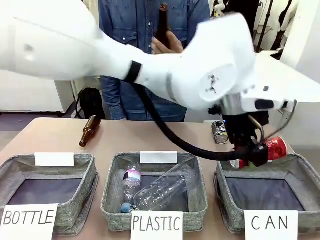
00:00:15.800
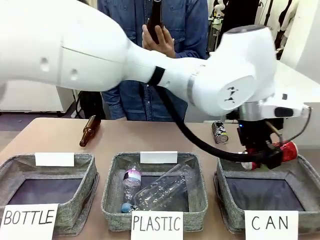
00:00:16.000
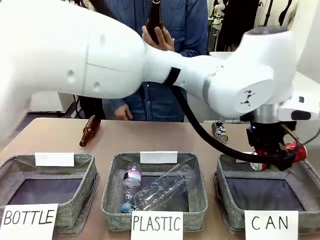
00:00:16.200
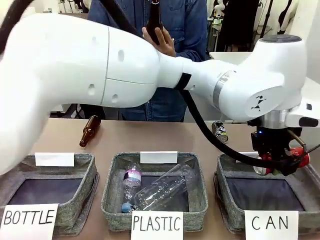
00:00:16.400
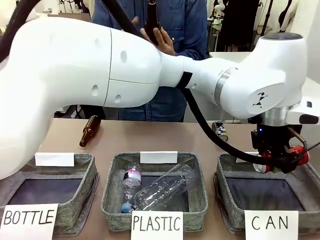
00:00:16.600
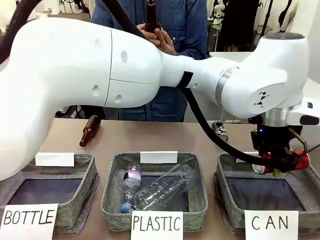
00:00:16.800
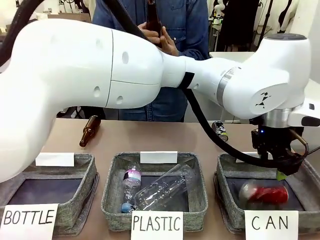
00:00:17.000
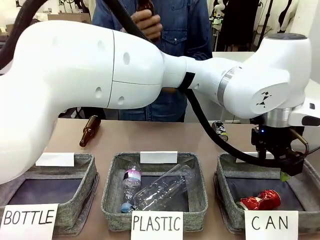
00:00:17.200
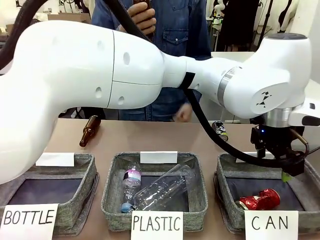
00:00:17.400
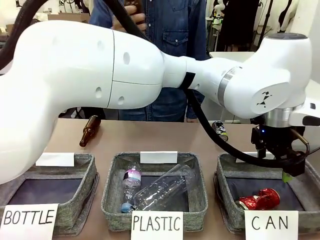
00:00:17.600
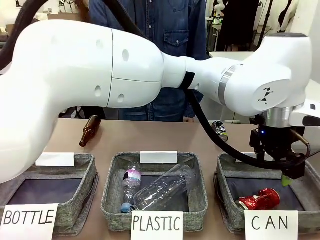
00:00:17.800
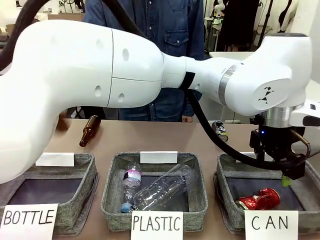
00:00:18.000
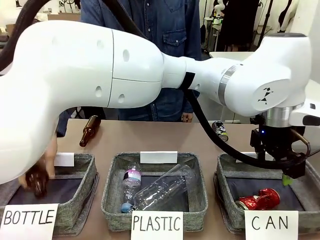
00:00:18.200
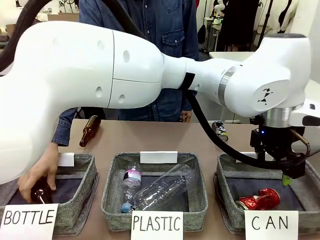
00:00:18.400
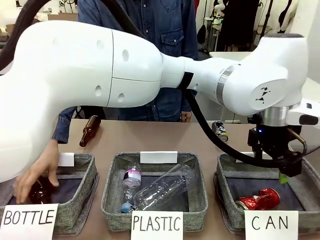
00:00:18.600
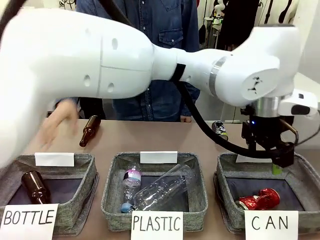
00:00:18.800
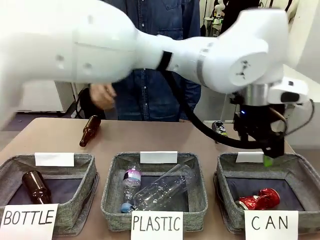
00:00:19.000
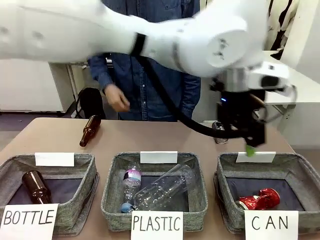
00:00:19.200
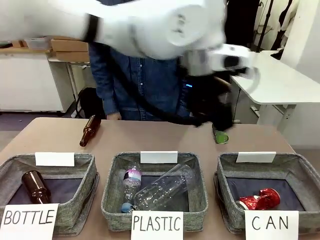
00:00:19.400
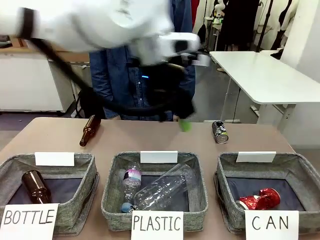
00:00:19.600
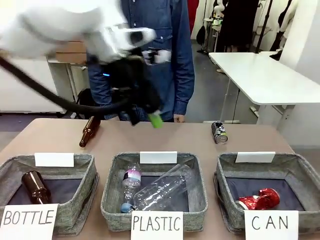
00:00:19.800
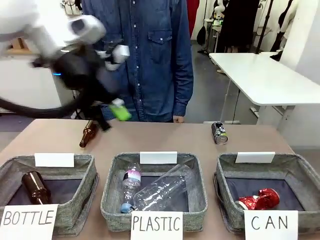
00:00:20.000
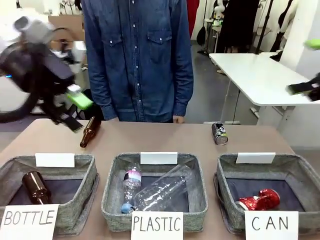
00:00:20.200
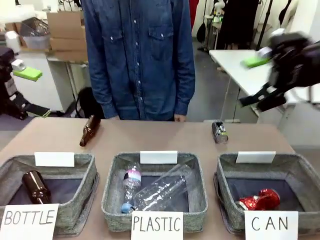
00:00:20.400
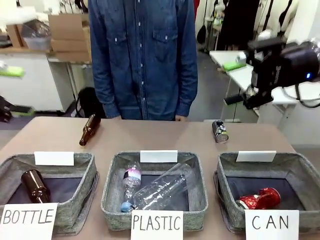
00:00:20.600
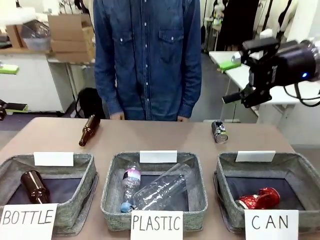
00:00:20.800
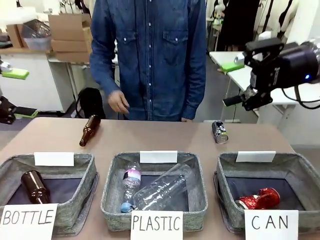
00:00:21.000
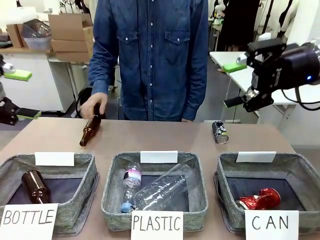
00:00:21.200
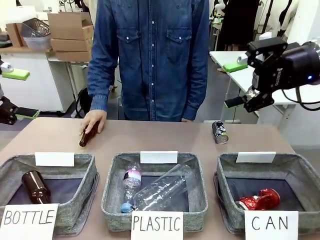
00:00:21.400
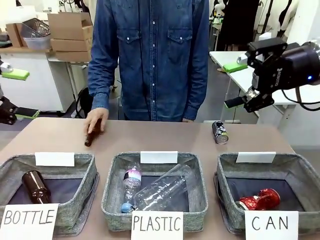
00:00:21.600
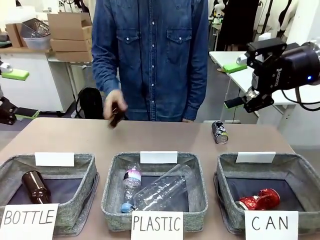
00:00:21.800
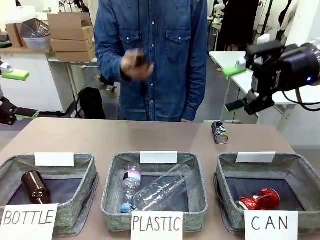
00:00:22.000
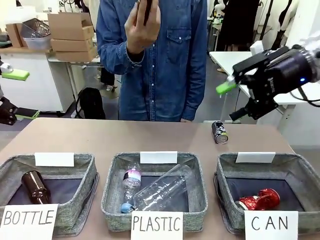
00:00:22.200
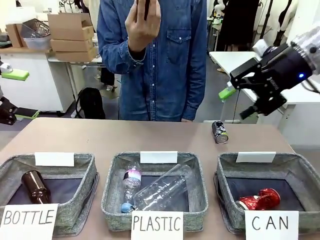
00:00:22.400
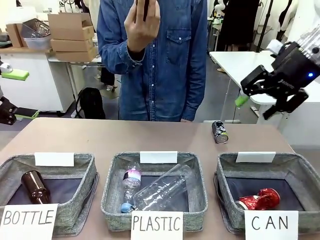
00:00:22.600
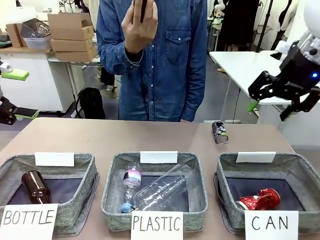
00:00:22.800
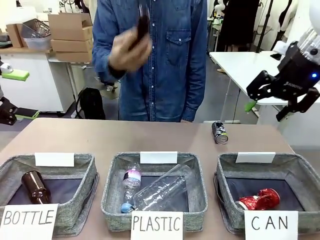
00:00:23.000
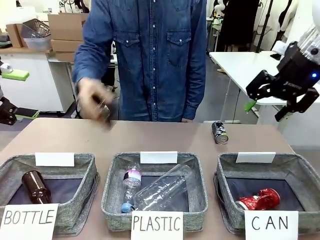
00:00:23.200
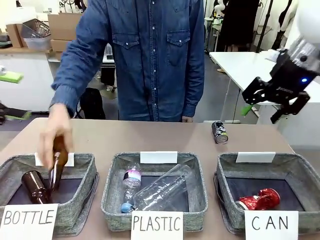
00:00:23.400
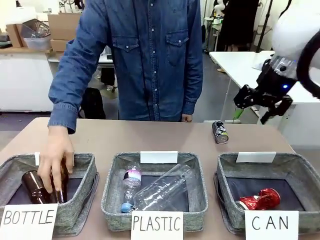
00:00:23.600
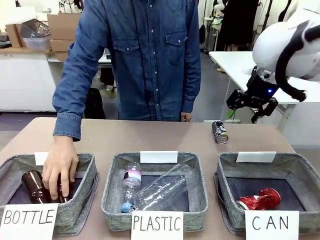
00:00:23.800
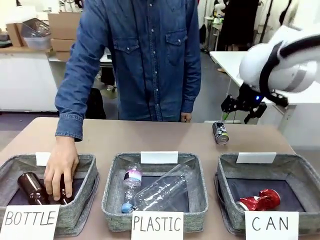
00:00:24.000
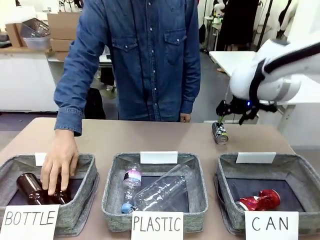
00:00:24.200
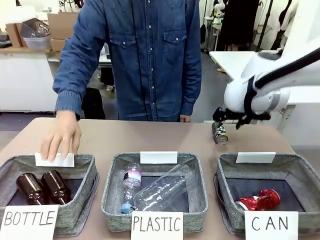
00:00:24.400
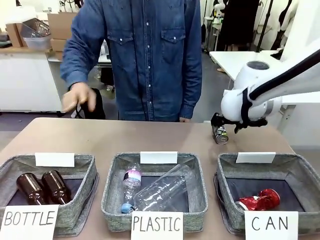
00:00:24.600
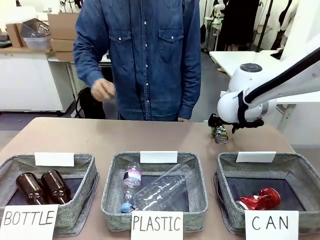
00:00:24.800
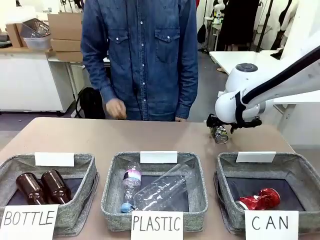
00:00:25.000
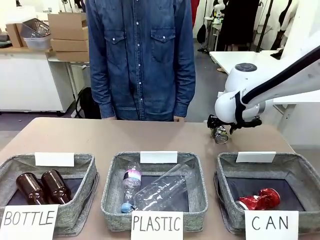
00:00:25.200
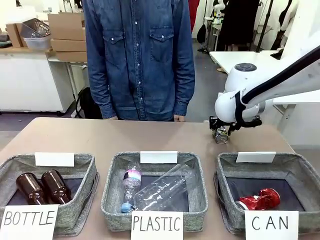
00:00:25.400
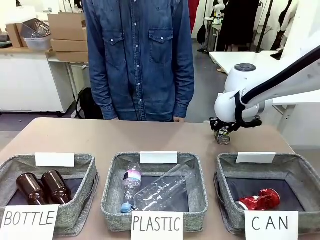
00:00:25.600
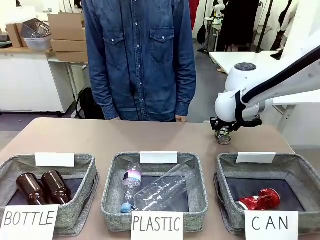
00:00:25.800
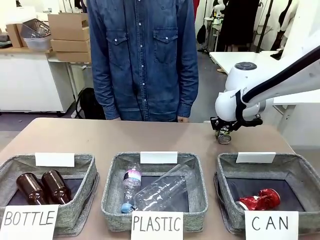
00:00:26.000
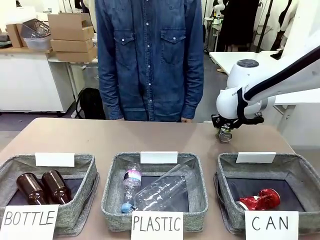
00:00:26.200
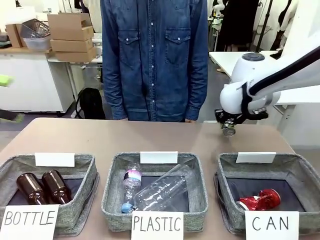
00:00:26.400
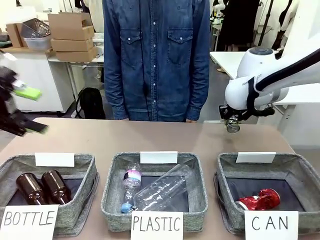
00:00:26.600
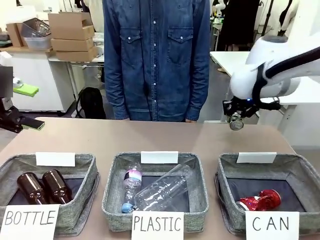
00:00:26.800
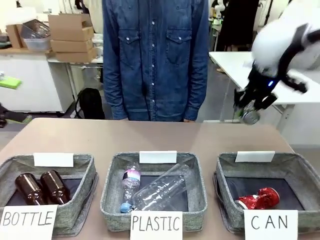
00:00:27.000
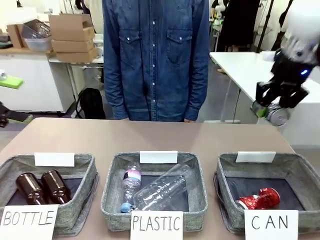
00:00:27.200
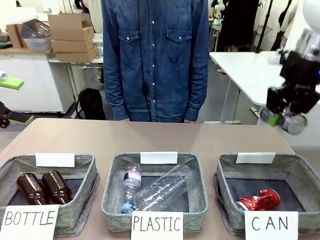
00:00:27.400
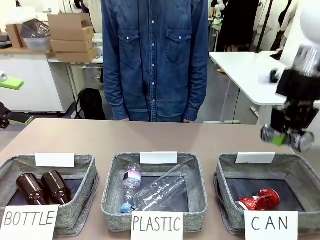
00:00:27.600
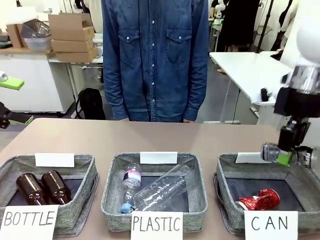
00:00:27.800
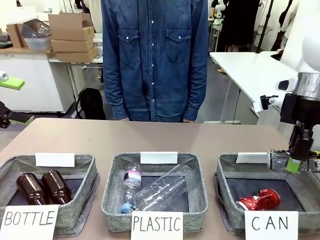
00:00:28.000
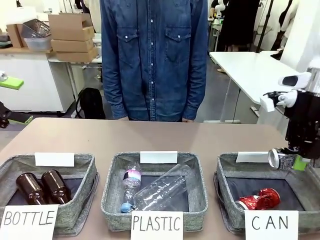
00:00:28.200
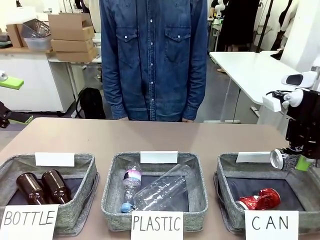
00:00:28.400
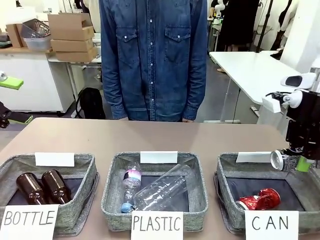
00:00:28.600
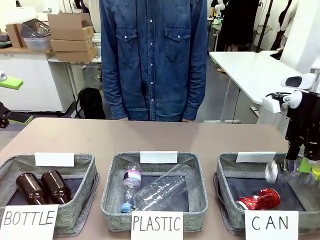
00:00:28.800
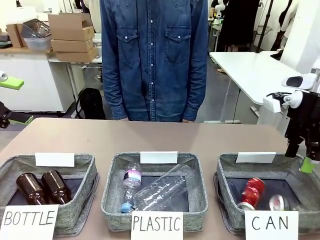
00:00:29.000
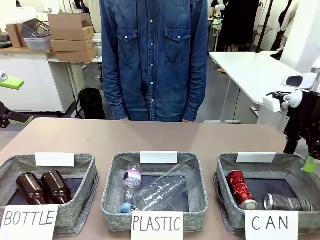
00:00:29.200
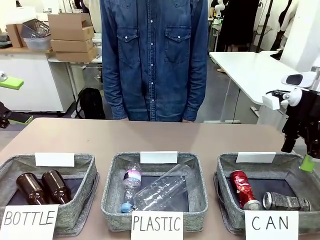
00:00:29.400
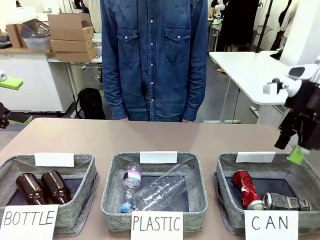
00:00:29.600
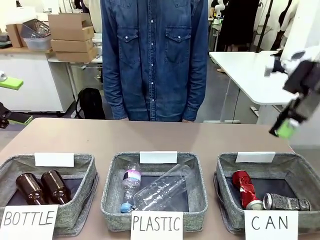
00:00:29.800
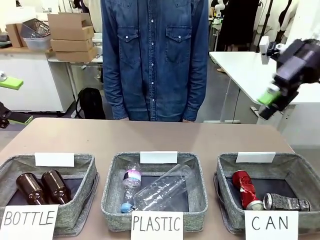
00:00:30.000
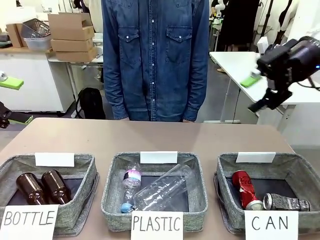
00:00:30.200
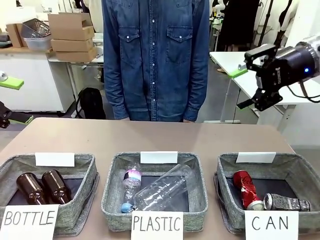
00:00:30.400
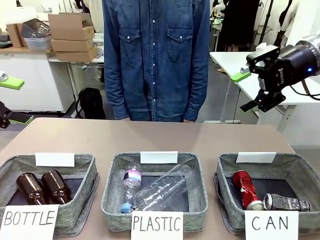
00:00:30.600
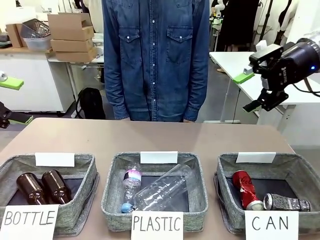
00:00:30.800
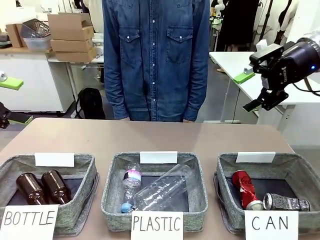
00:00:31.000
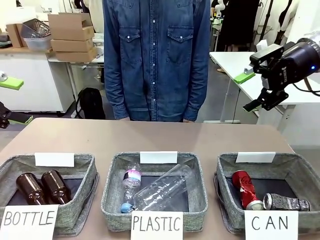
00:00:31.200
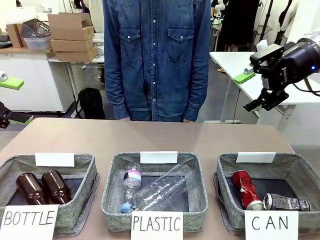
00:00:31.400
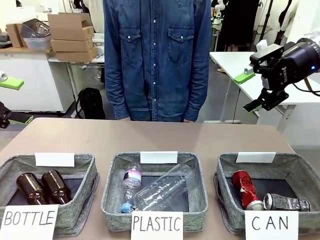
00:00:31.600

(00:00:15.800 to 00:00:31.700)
Task: Sort the can waste into the basket.
Robot: Pick up the can waste from the table and place it in the right Fabric basket.
Person: The human picks up one piece of trash that is not a can and places the trash into the appropriate organizing basket.
